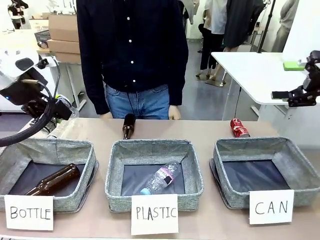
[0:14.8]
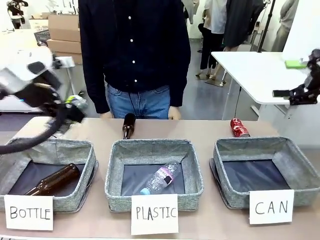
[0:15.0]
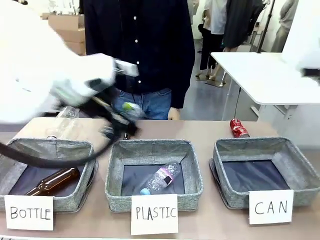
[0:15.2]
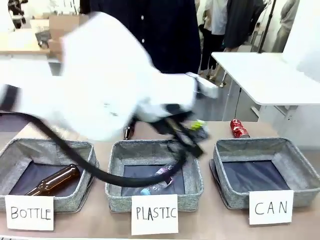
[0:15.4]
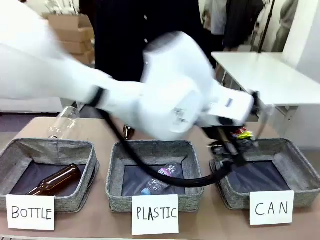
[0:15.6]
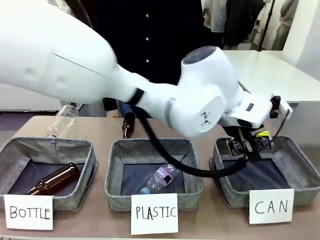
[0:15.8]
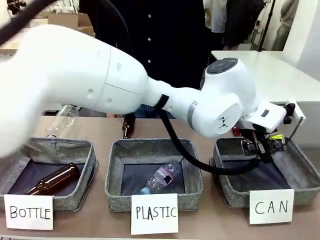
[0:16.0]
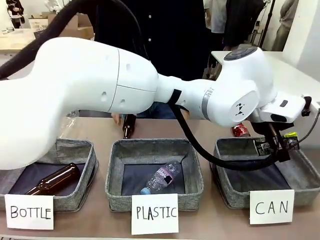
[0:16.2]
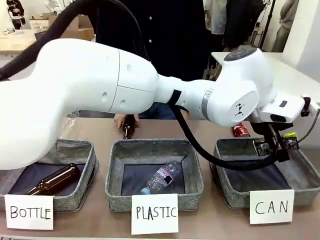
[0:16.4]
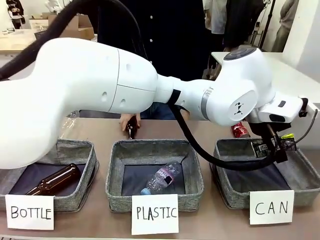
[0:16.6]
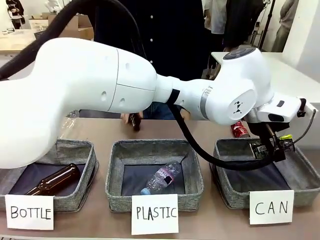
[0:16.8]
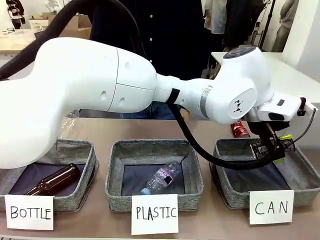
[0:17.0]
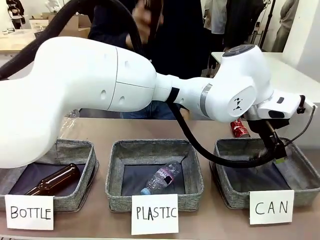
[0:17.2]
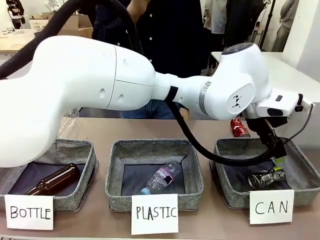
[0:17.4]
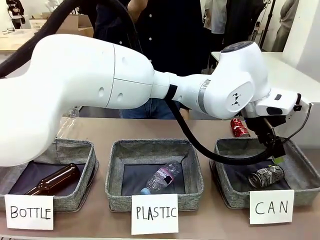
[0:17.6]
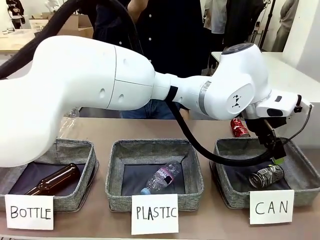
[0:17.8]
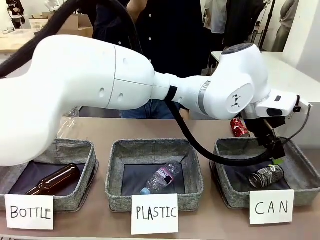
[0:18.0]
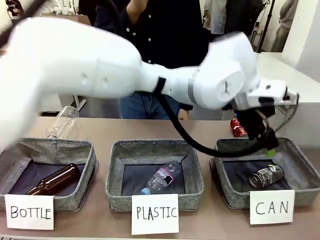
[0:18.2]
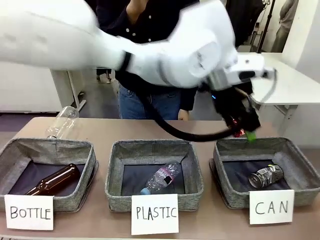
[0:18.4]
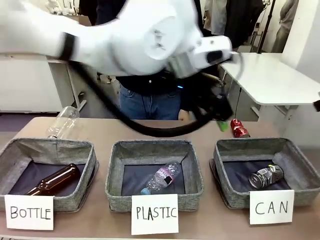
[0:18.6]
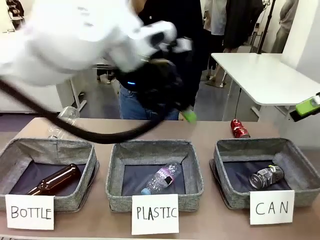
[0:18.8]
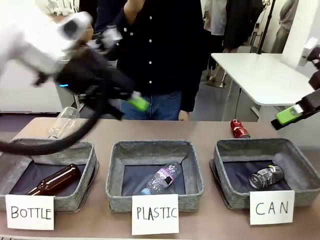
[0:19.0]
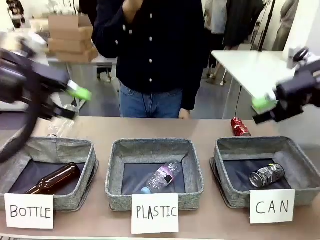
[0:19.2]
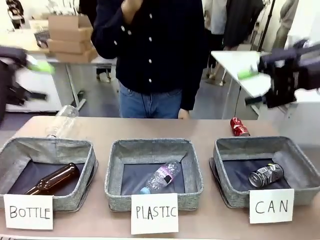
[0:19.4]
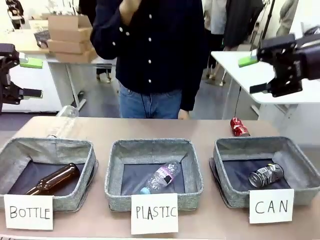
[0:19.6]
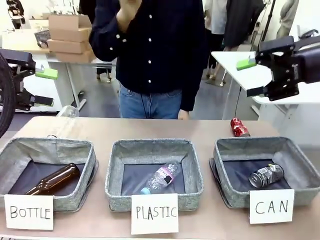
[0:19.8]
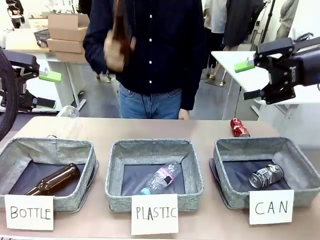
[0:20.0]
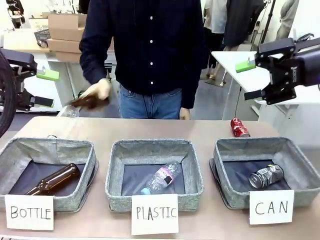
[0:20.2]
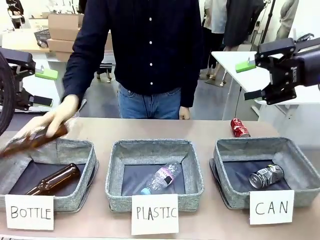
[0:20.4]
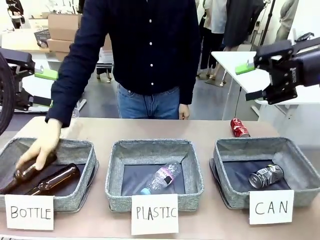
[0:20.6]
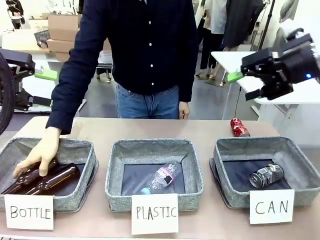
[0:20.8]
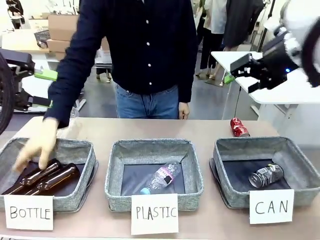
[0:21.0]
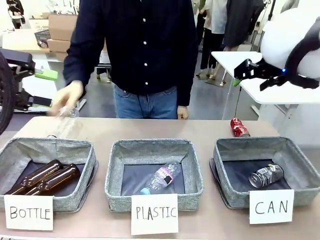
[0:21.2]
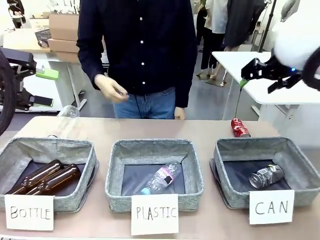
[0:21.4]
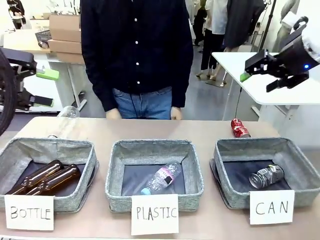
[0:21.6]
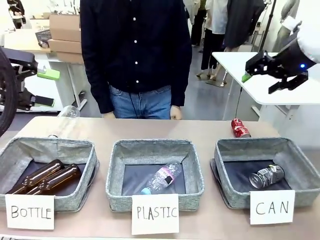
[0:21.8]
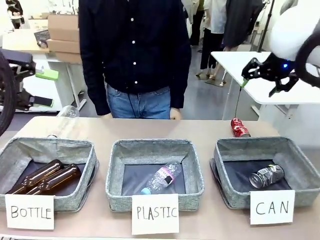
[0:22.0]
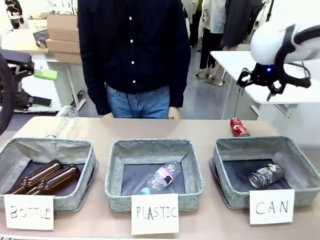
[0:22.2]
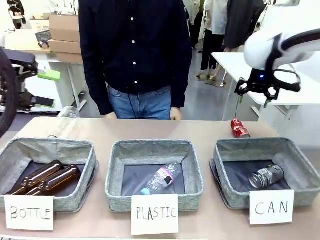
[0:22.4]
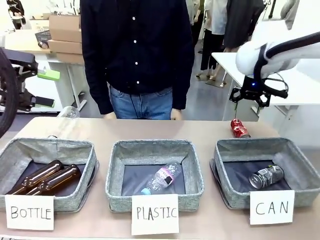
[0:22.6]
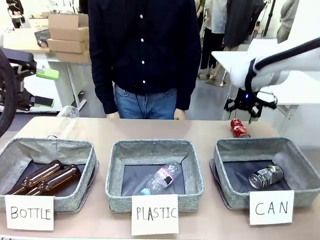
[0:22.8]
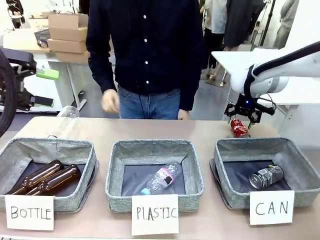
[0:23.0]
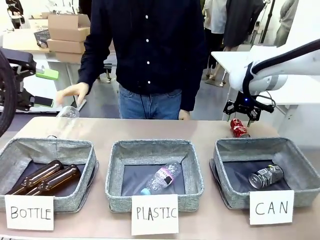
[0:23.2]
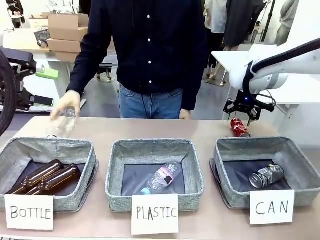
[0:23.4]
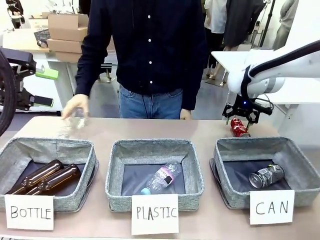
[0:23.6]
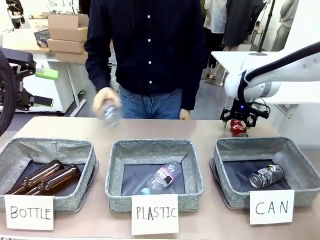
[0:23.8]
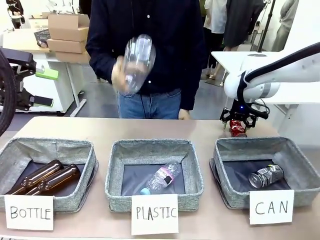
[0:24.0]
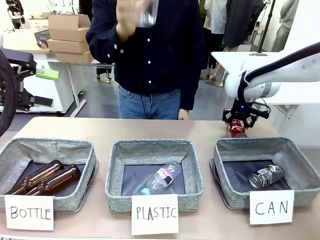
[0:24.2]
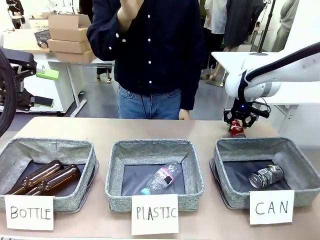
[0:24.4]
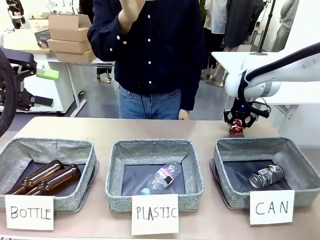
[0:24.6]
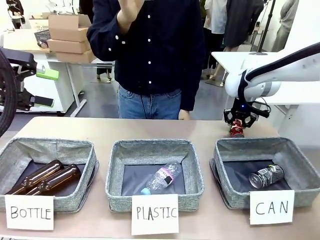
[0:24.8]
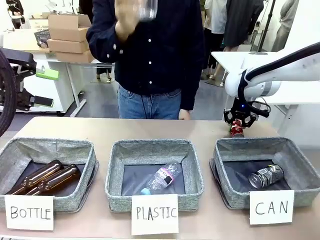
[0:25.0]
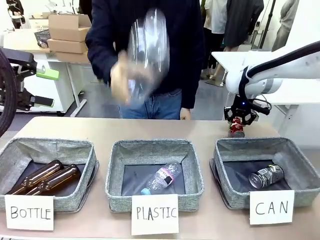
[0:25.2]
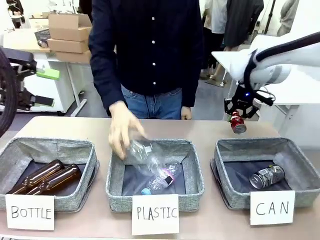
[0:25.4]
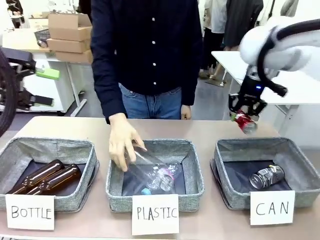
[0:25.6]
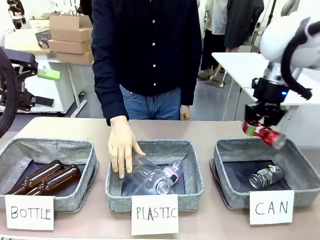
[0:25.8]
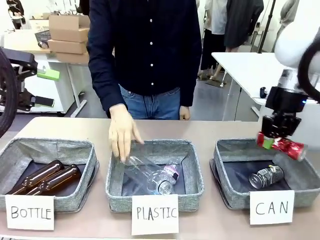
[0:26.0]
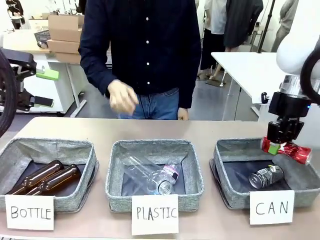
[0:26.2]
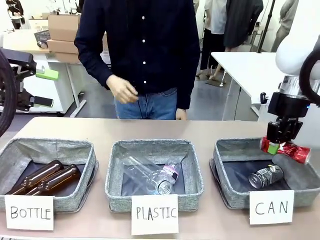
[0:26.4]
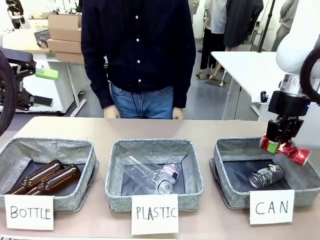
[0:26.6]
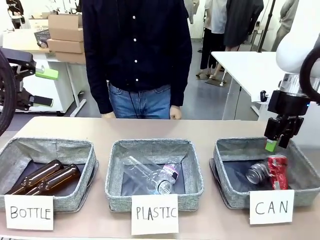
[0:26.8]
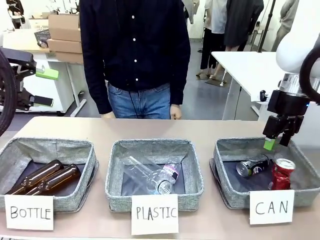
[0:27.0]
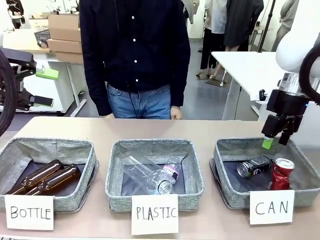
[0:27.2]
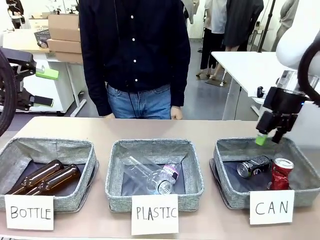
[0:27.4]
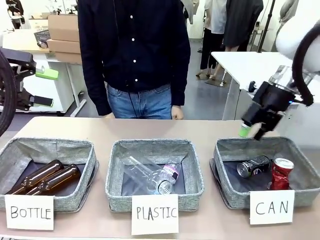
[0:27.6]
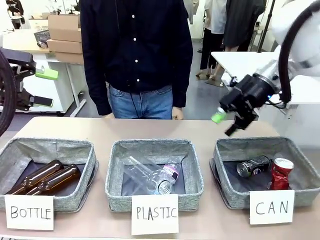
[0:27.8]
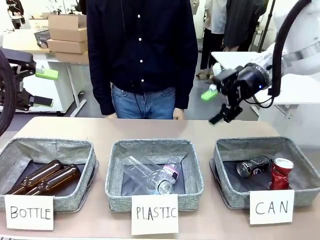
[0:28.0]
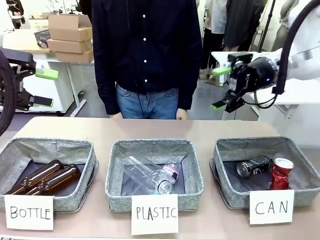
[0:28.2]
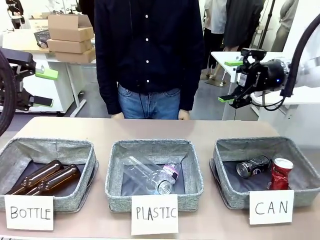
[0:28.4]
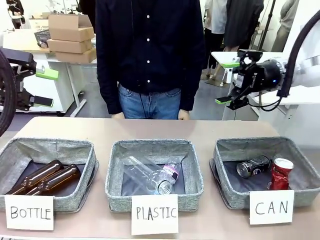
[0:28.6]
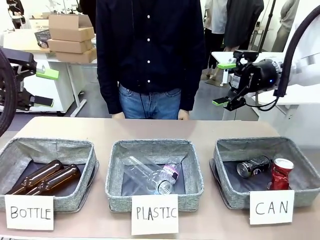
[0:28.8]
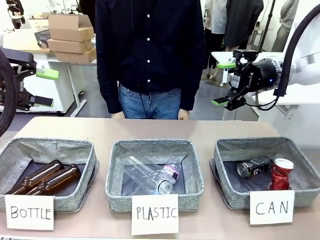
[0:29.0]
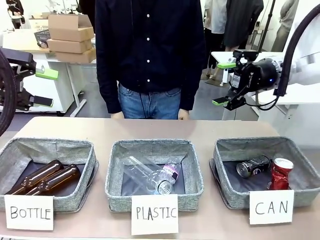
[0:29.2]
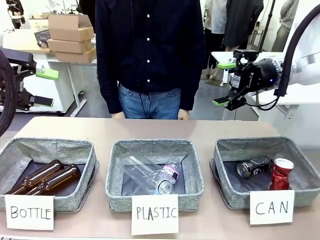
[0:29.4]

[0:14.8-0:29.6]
Task: Sort the can waste into the basket.
Robot: Pick up the can waste from the table and place it in the right Fabric basket.
